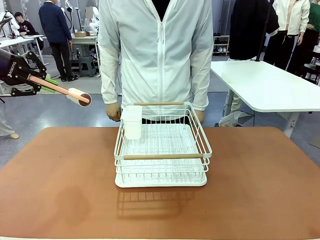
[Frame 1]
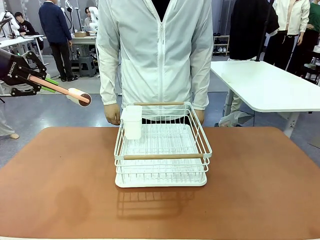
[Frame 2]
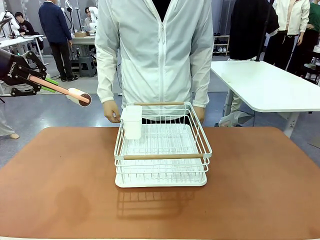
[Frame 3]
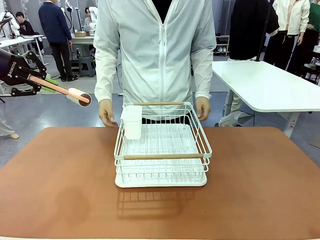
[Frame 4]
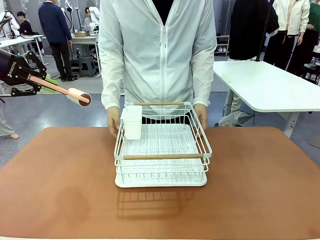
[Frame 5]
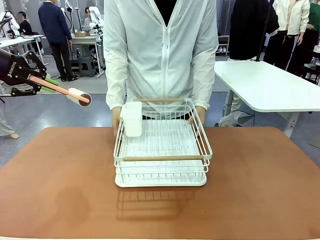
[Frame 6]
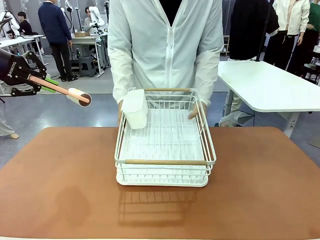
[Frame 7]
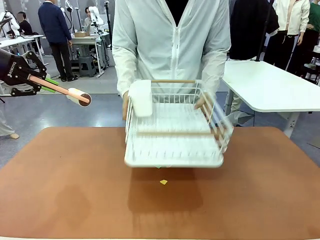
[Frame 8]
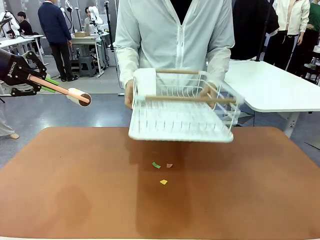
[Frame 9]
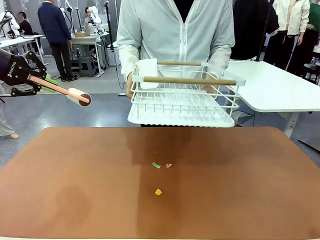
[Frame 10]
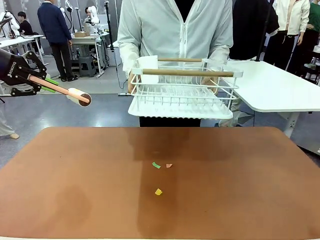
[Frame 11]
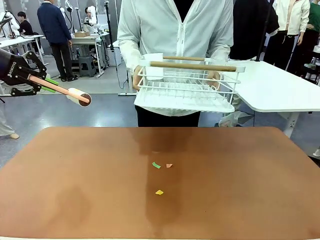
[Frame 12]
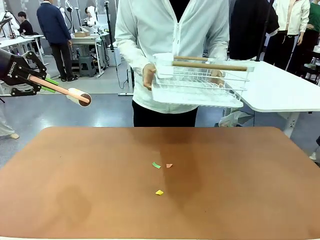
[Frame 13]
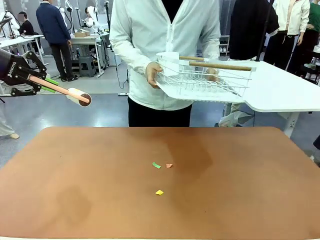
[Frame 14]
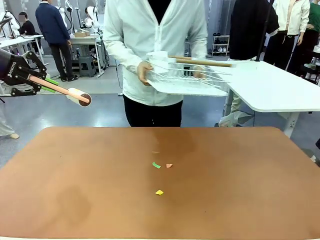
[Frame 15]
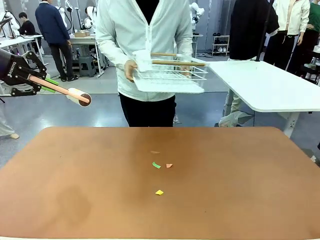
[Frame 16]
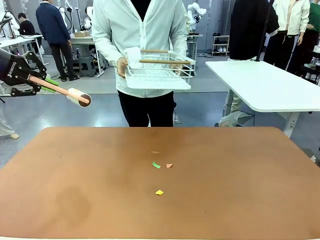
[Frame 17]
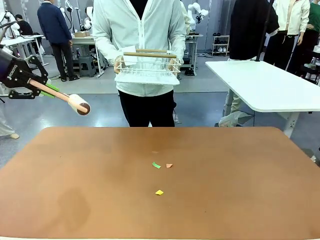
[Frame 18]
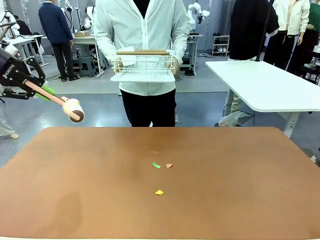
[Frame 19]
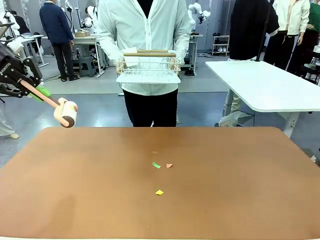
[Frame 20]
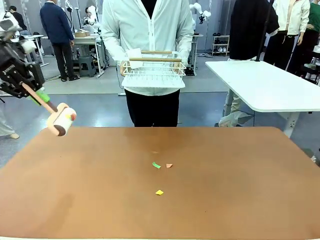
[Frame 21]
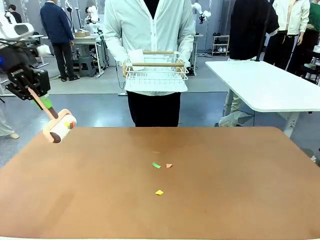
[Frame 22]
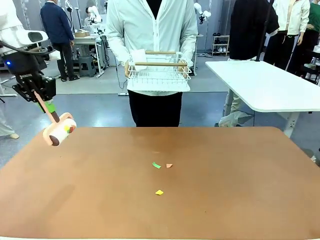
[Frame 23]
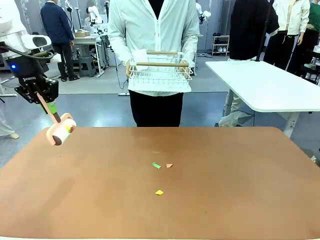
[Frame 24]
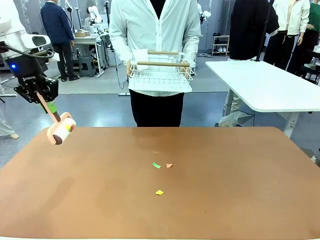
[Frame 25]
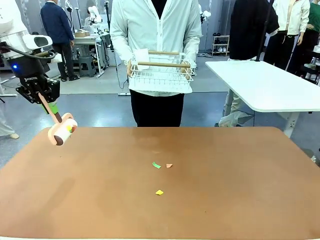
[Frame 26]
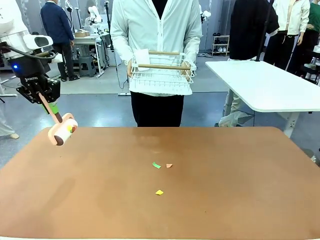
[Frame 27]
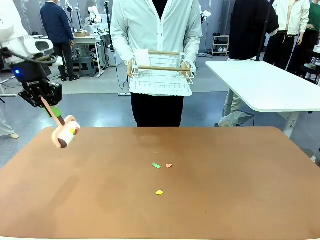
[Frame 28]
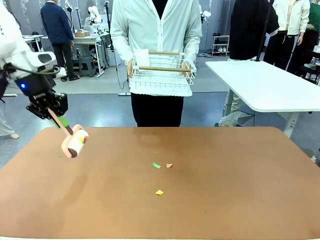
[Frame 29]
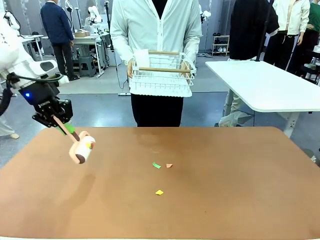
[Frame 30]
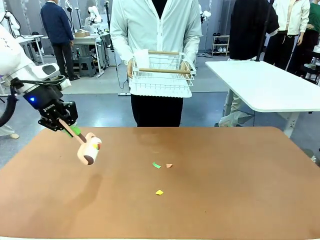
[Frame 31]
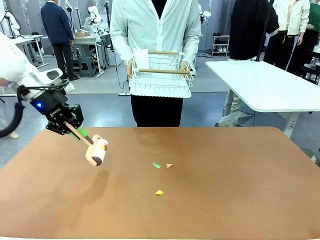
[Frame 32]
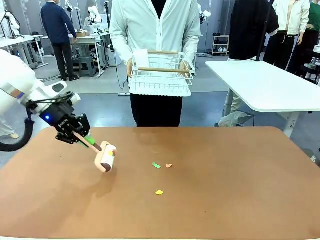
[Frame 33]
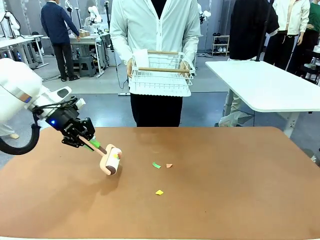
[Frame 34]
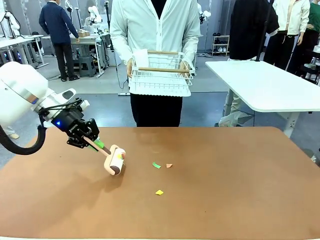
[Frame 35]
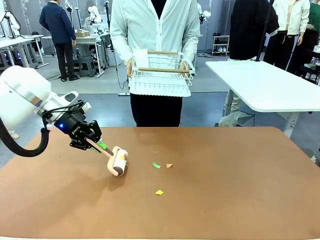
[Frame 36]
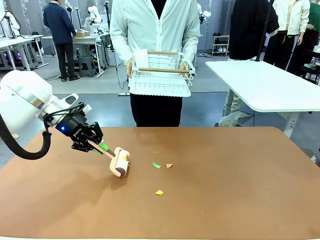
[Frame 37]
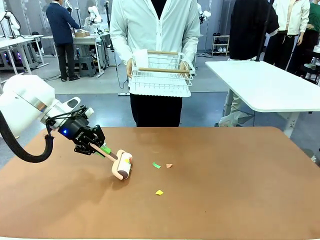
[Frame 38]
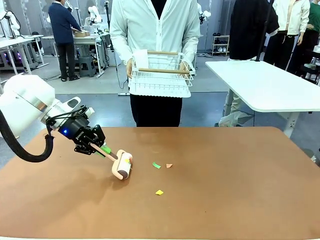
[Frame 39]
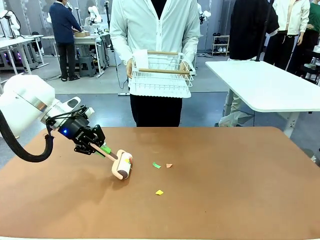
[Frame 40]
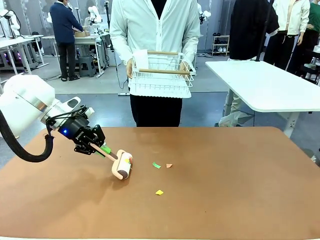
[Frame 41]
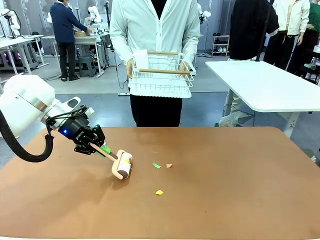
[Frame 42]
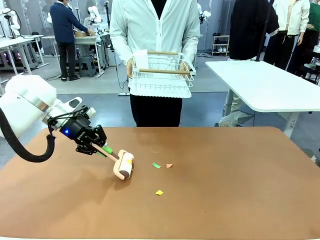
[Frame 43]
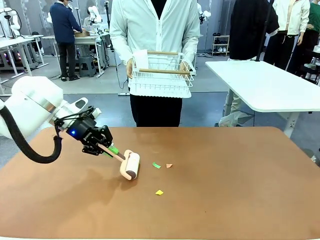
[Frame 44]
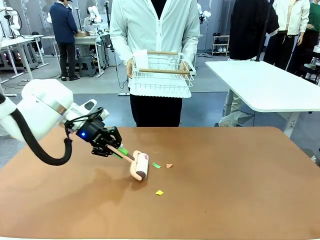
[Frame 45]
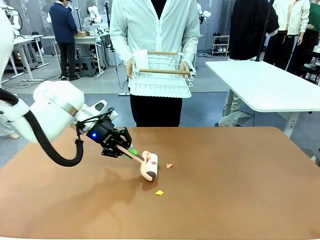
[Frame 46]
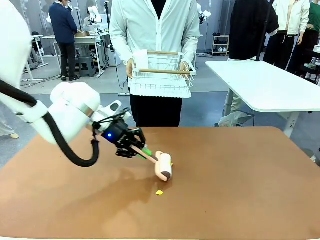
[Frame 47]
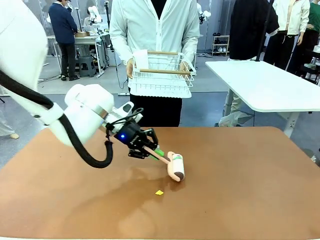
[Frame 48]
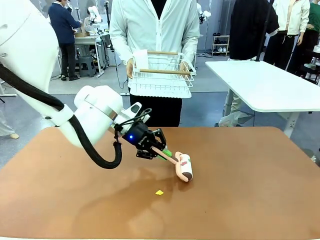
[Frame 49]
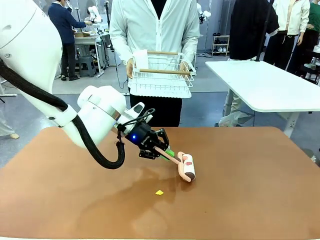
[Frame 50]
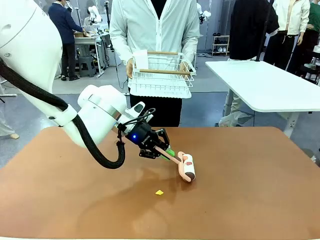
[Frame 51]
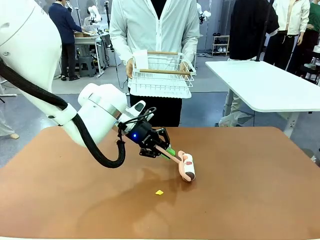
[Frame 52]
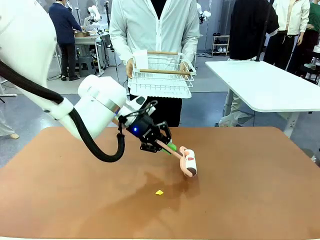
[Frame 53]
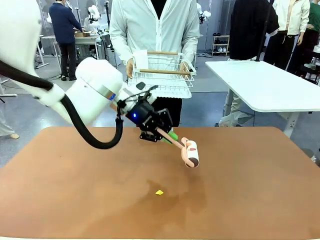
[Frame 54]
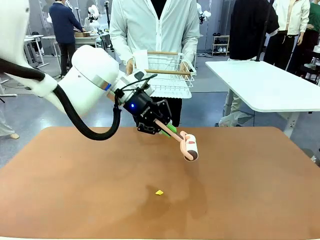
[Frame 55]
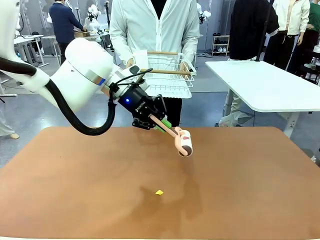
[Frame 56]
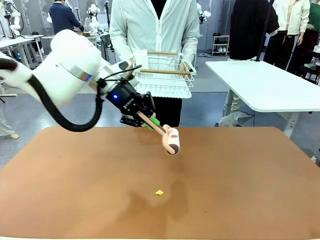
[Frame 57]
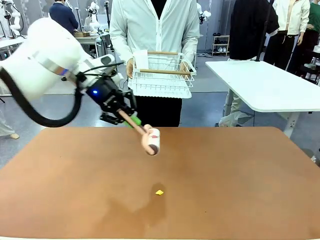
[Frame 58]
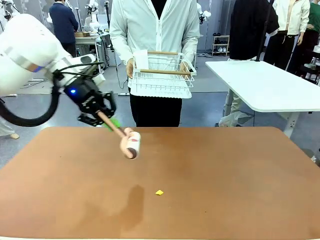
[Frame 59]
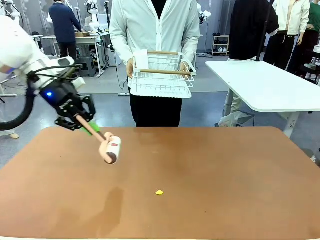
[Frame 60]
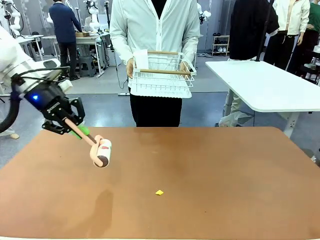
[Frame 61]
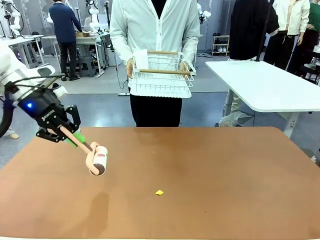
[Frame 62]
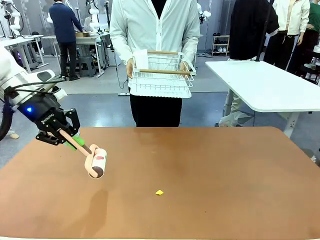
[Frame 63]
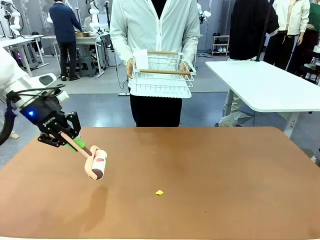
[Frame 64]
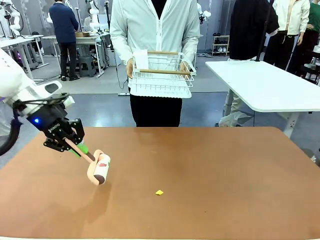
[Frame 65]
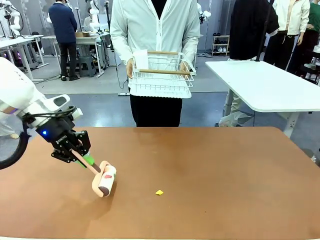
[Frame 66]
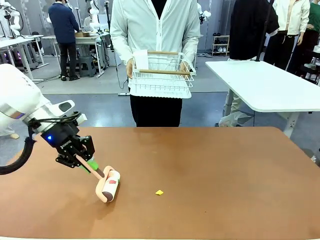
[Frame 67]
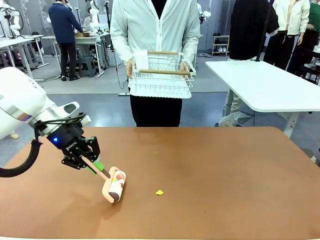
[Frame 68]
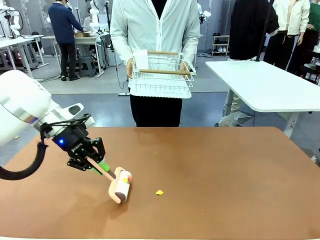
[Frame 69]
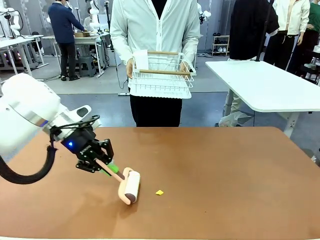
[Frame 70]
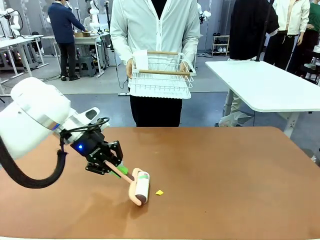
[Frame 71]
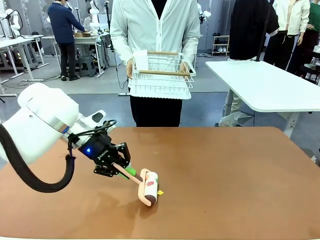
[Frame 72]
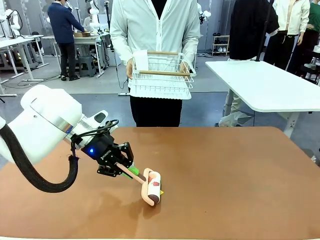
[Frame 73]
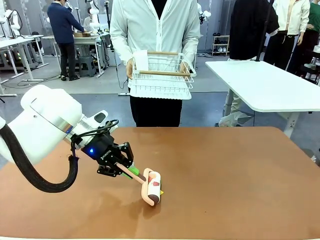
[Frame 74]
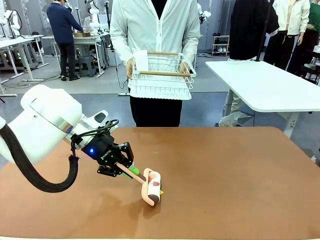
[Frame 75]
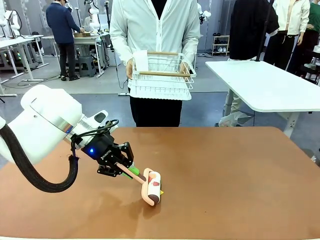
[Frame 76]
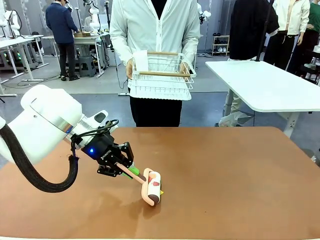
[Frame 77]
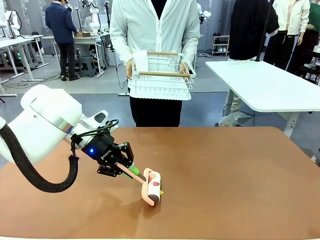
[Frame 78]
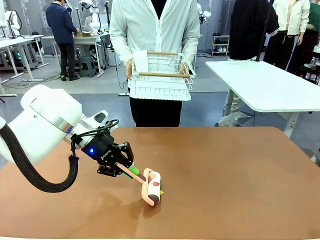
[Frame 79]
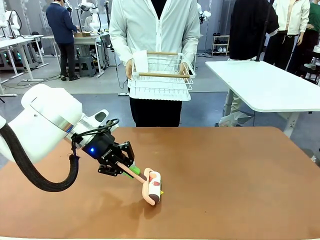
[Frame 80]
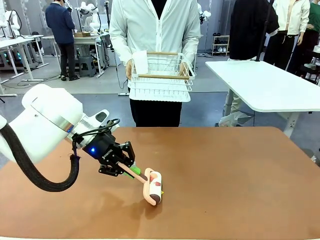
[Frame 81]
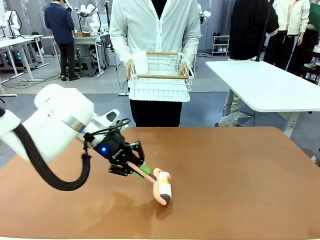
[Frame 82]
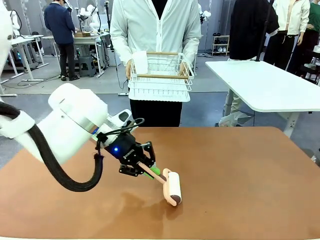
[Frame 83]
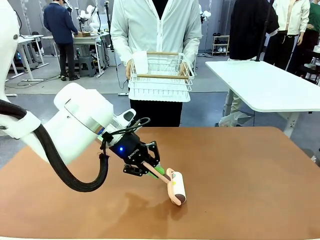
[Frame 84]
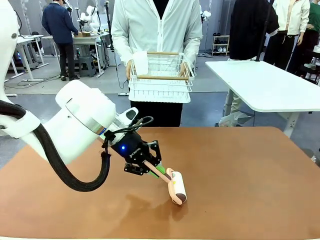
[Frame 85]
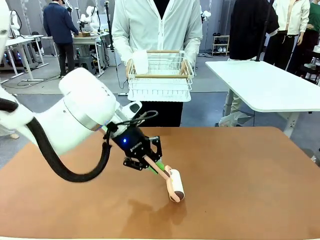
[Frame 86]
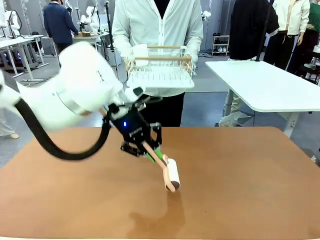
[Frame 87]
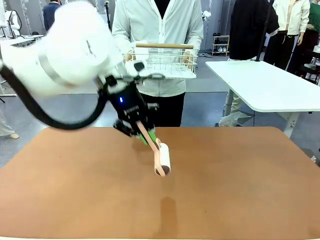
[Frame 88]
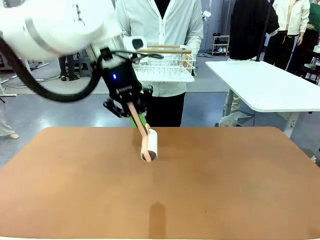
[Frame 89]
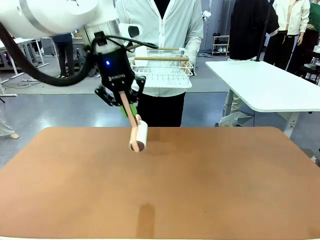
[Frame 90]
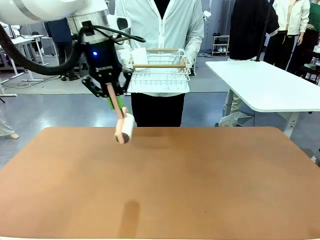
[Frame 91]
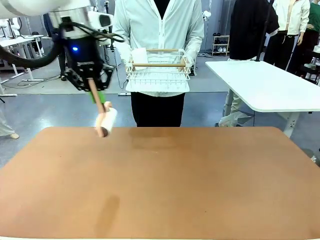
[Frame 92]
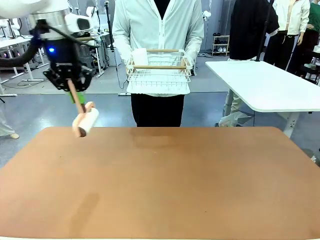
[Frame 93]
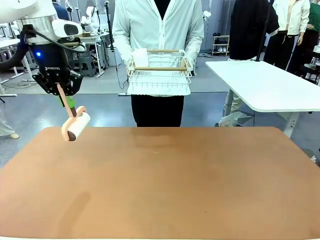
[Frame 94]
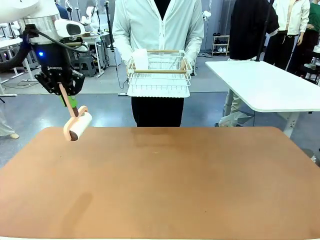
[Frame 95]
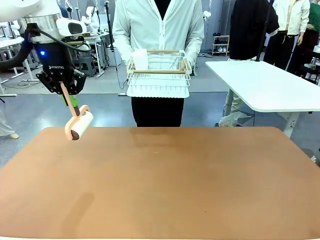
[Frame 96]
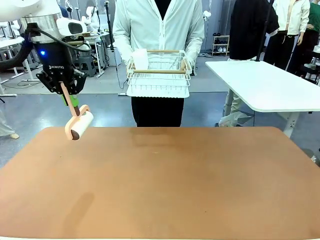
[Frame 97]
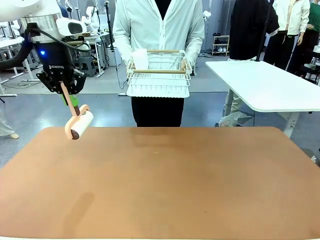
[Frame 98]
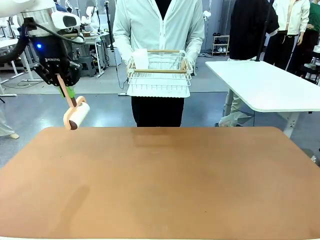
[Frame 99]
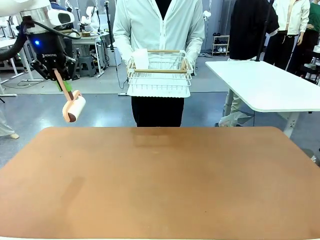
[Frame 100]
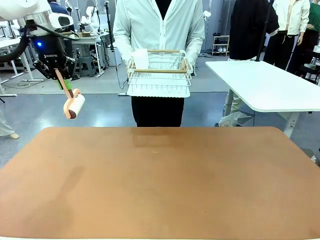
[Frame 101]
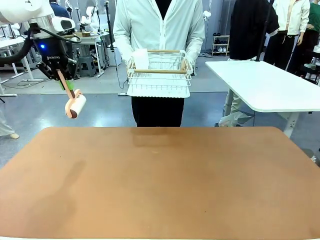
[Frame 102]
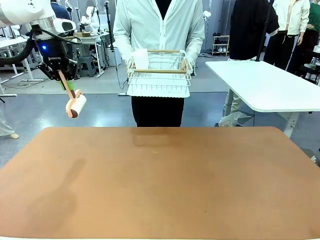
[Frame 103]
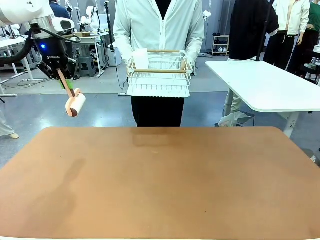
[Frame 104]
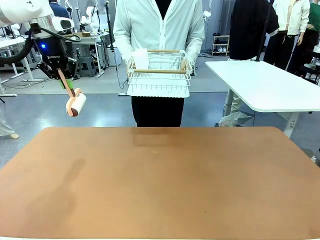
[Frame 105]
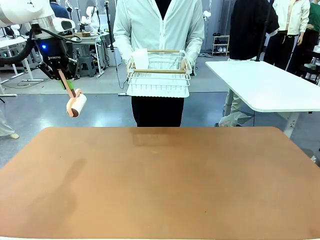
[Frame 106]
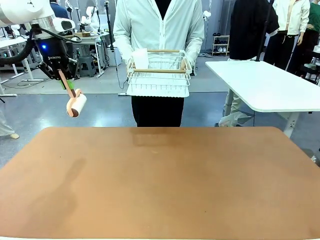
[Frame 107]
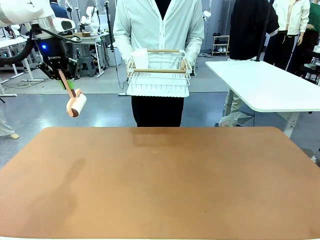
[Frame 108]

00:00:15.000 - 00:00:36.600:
Task: Clean the table.
Robot: Clean the table with the Lint Roller when the human lifts the Dish drying rack.
Person: Place the Dish drying rack down when the robot finishes cleaning.
